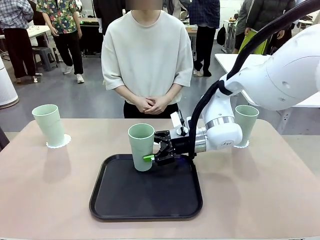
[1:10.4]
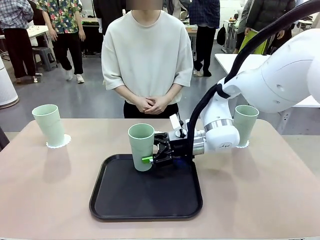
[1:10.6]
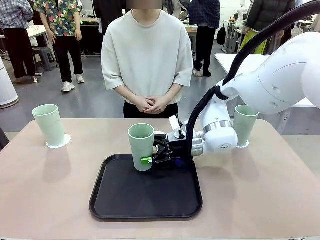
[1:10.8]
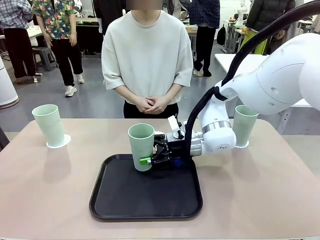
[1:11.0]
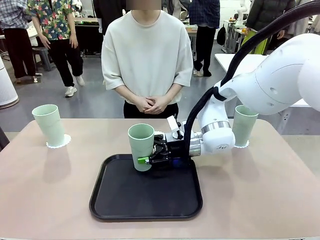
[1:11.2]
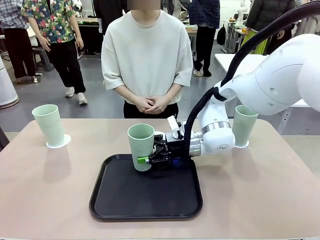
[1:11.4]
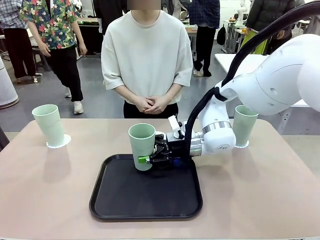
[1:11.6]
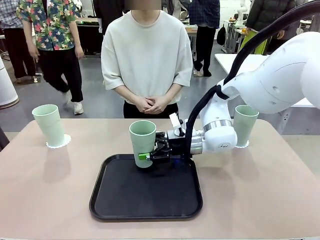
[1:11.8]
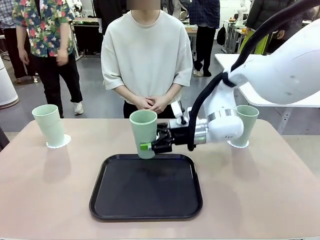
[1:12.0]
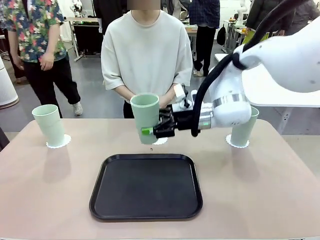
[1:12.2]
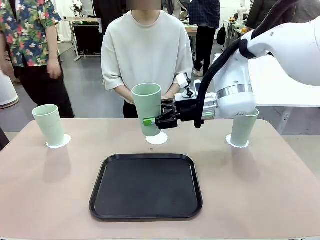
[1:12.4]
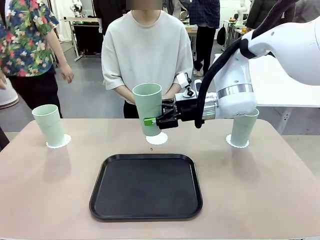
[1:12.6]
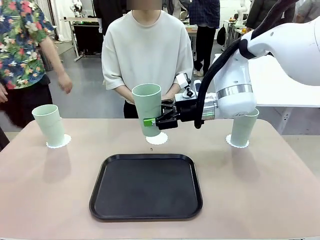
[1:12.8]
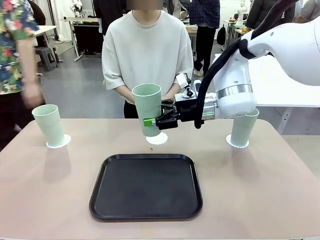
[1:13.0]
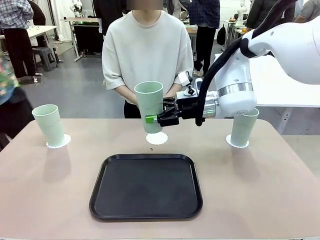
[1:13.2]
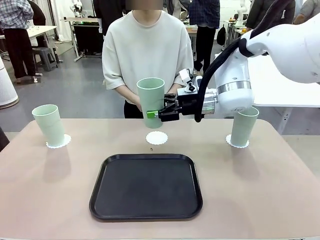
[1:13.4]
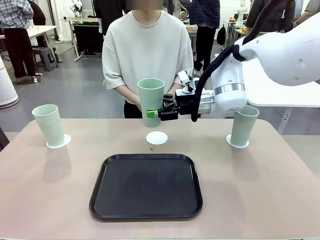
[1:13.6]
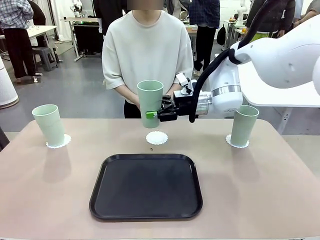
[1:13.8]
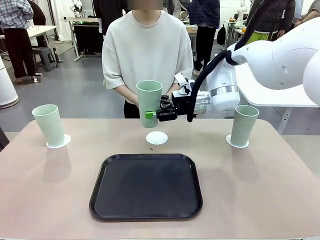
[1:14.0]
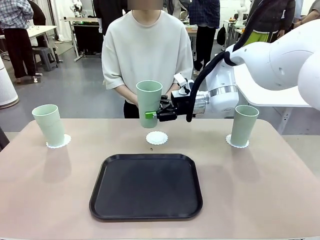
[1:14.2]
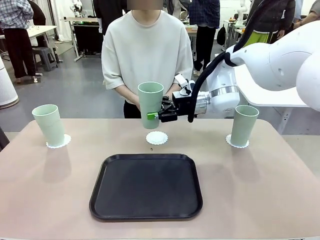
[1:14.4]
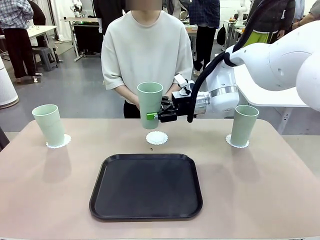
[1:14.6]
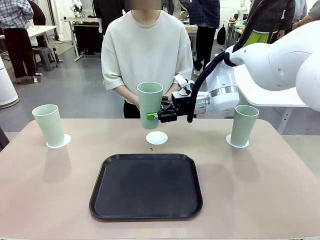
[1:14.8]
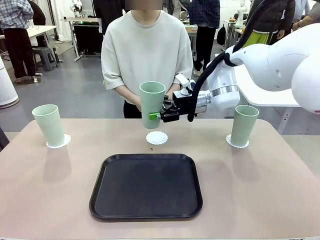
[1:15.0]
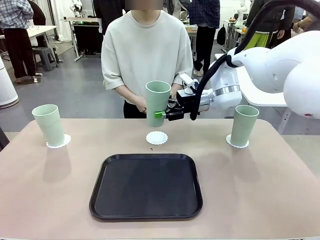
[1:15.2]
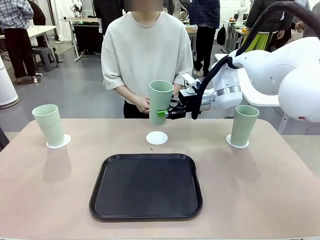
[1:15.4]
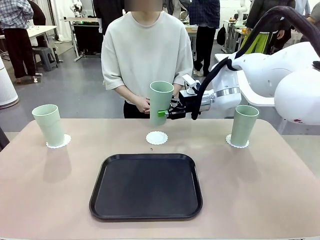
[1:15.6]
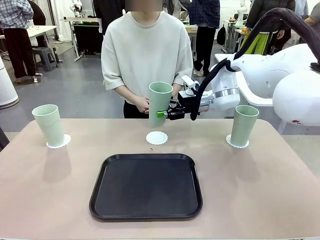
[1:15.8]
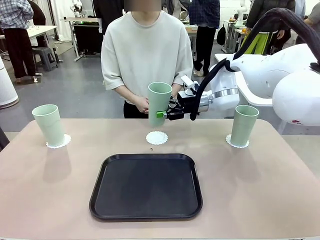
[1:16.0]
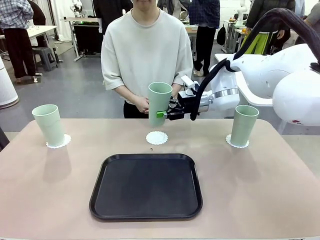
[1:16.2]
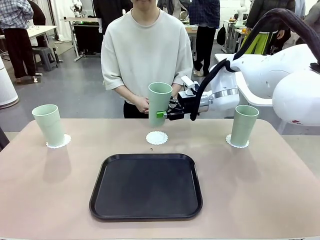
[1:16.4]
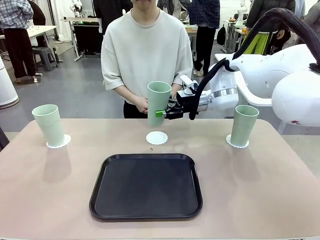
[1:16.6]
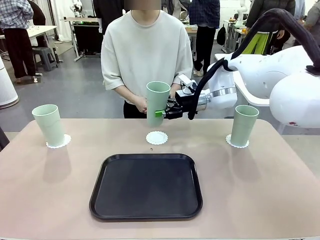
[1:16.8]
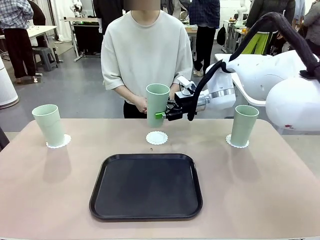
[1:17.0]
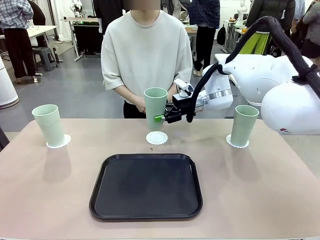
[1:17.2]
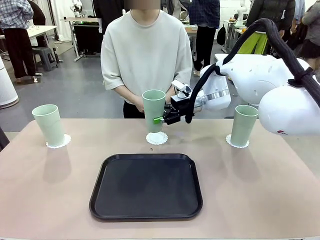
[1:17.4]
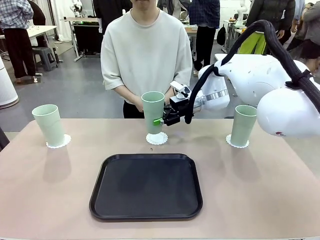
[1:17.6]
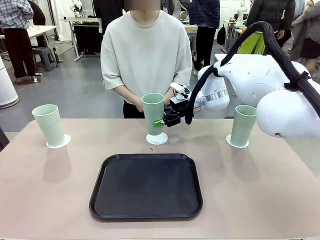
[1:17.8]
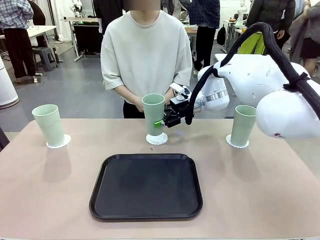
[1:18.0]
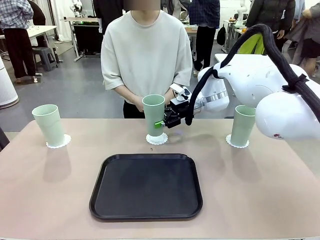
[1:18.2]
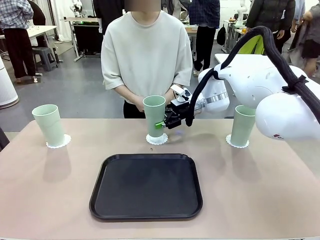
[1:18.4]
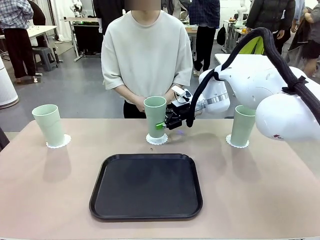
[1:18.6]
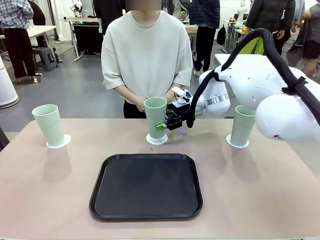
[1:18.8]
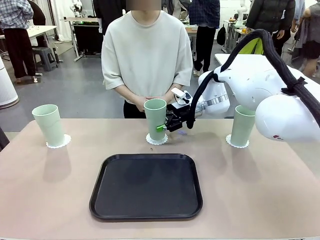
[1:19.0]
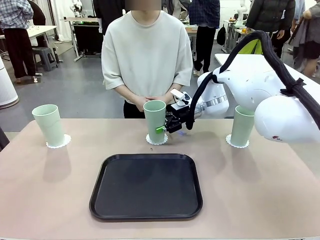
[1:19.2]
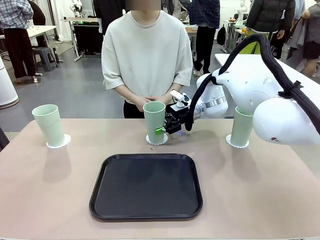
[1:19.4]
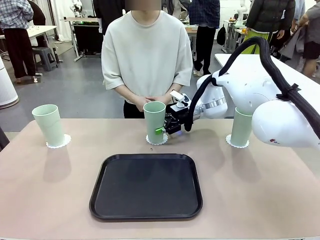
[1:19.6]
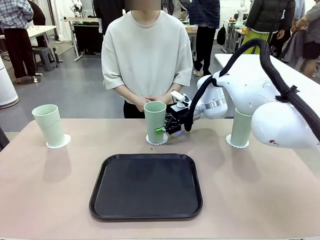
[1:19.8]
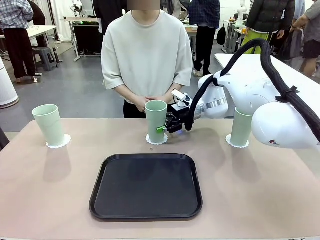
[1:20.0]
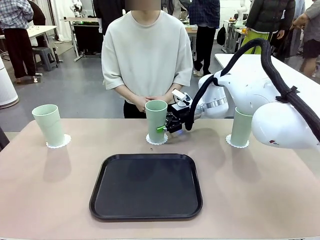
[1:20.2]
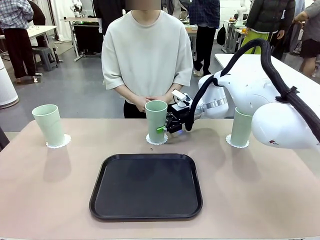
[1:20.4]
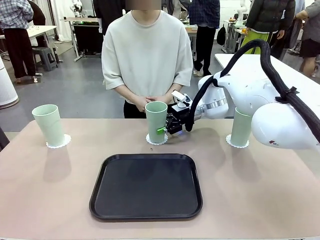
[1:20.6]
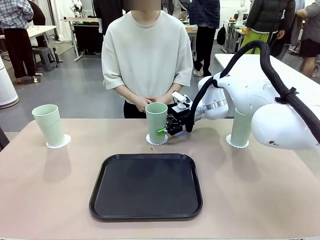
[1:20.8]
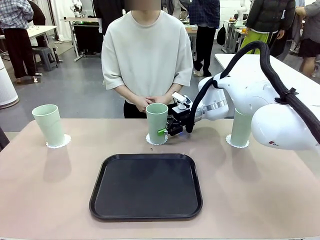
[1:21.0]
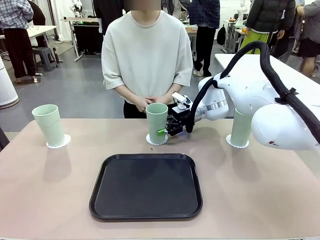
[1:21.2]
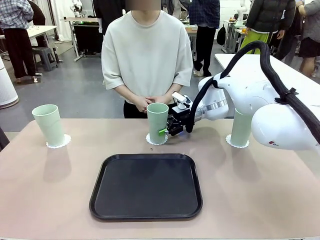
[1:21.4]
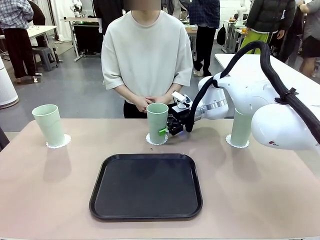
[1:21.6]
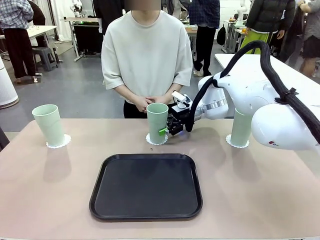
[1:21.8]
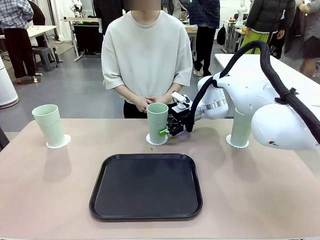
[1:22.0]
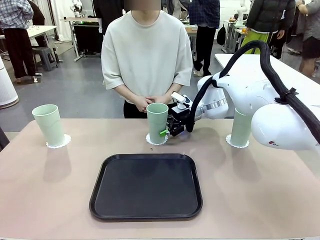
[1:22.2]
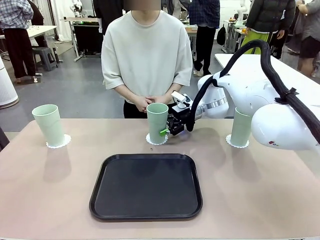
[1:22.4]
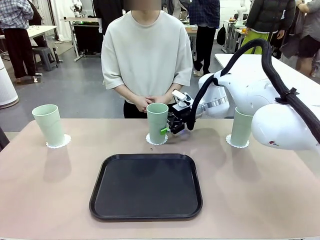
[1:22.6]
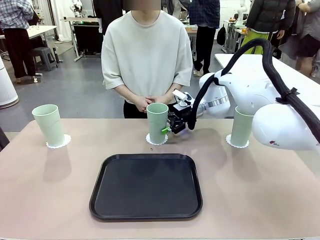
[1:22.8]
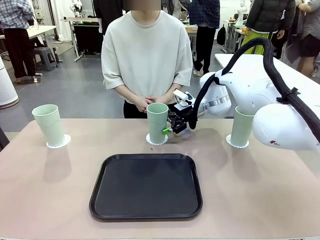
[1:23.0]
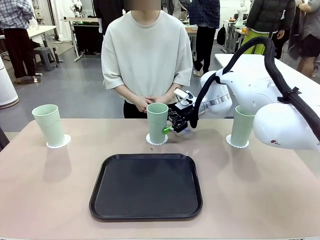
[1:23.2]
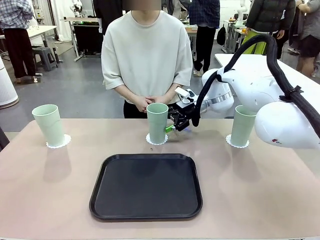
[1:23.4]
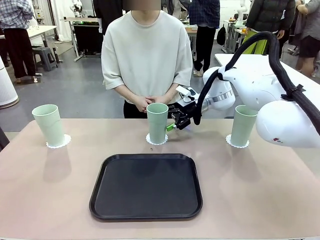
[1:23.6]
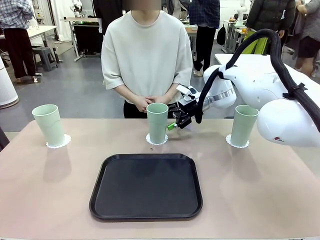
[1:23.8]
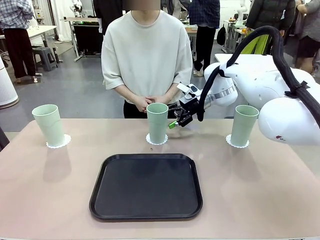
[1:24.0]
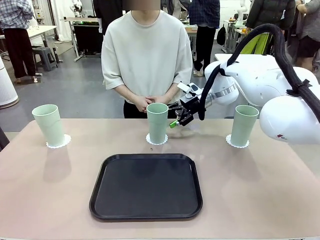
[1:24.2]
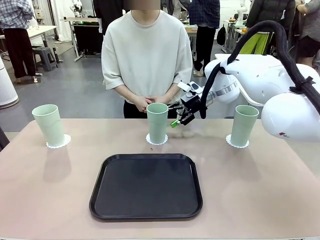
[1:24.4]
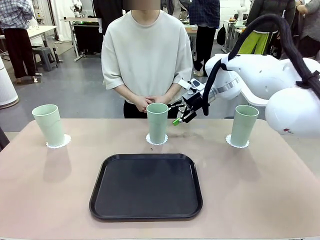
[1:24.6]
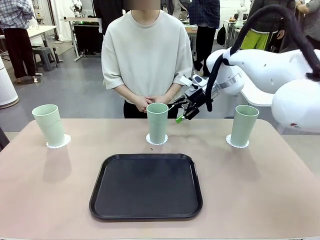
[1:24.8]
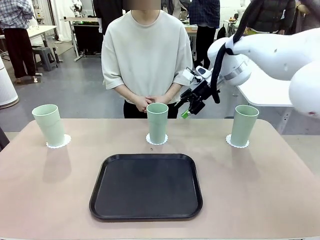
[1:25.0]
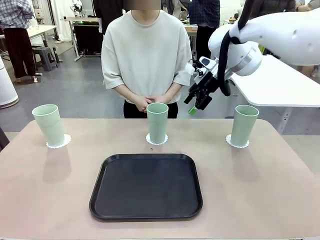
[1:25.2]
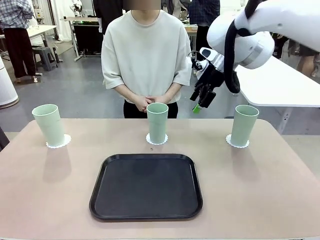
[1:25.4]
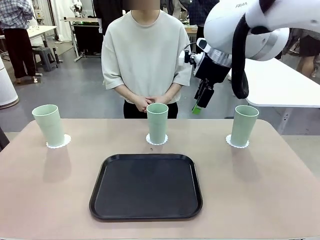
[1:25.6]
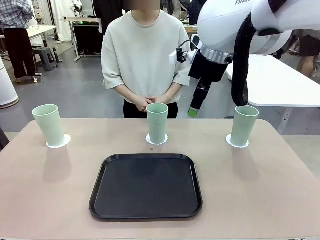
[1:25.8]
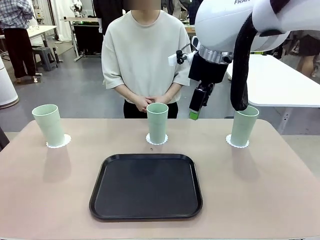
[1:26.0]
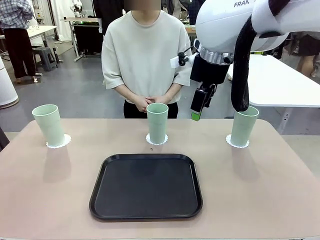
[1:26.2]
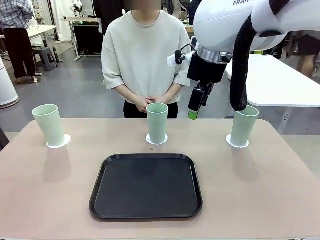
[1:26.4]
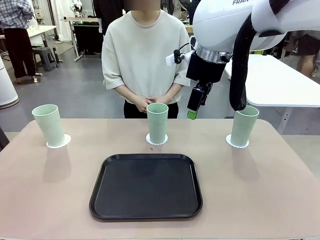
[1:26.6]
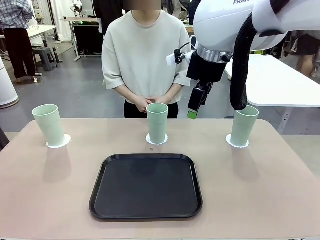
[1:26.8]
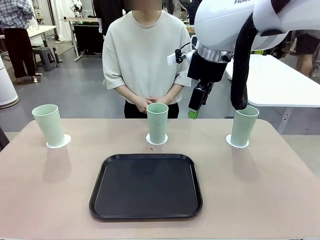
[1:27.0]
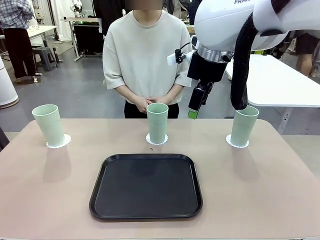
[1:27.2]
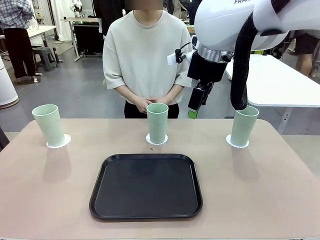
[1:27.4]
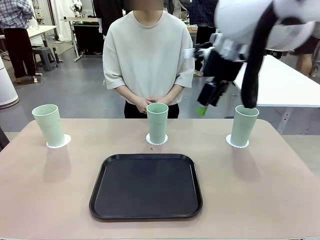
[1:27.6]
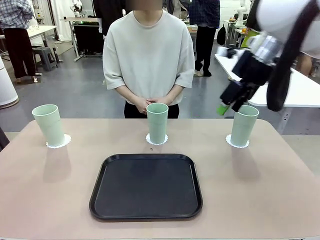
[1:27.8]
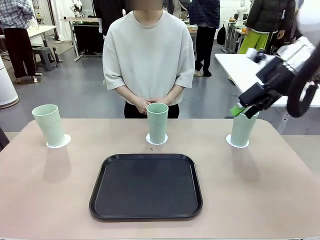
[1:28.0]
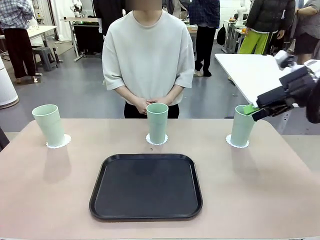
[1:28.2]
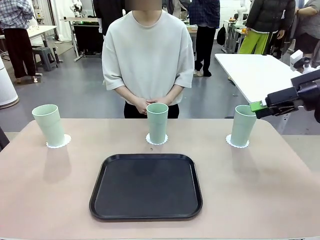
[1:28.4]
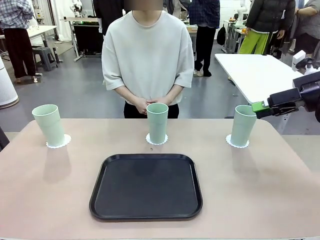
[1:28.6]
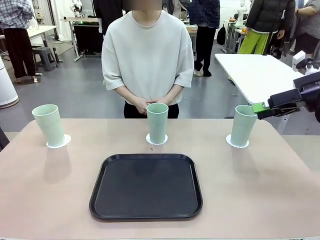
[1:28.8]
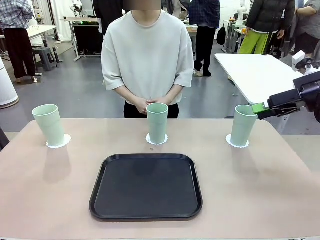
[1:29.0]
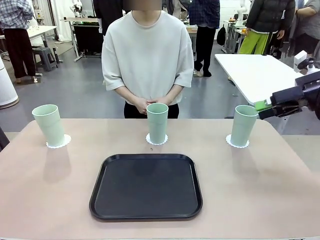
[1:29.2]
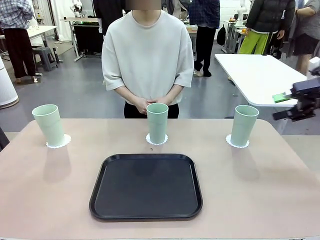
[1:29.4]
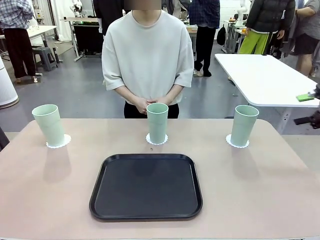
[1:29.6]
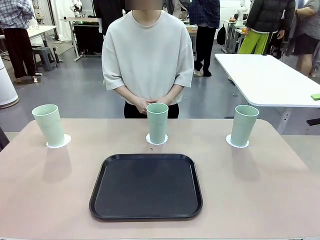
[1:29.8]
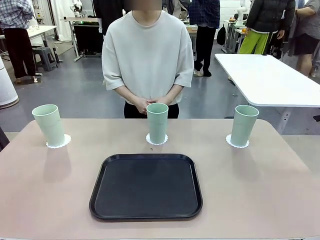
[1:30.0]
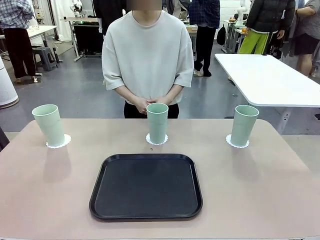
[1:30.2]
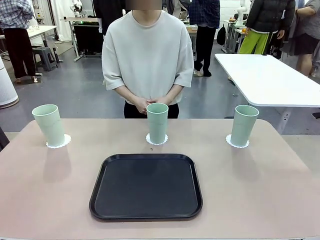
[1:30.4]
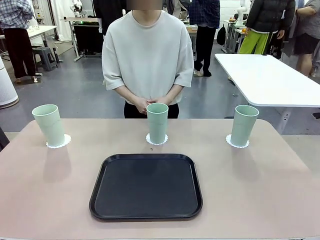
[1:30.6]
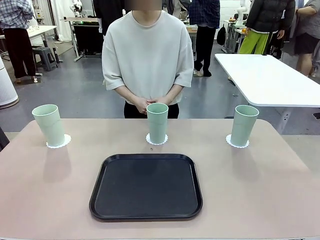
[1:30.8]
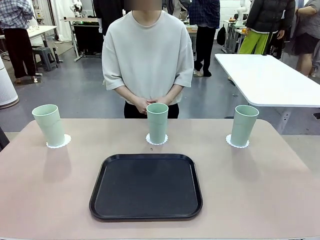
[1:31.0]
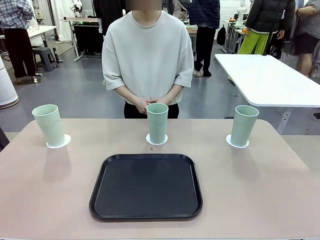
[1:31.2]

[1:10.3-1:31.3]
Task: Place coasters on the table and set cups on them.
Robot: Take one Reusable plastic cup from the Flat Tray and place it on a coaster set by the human.
